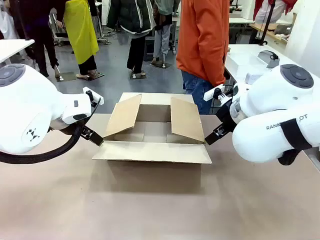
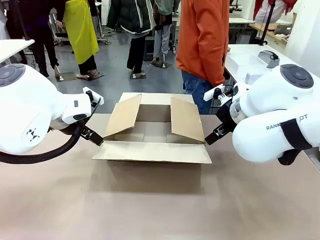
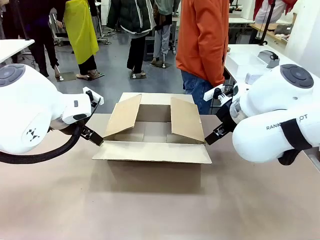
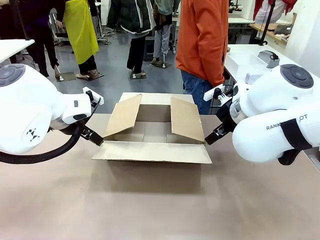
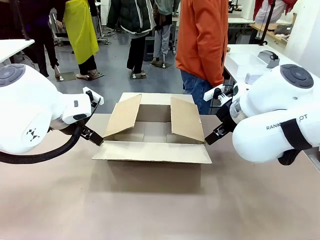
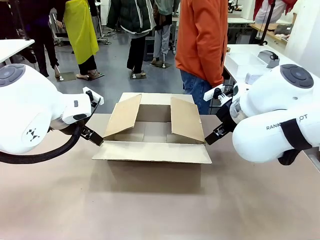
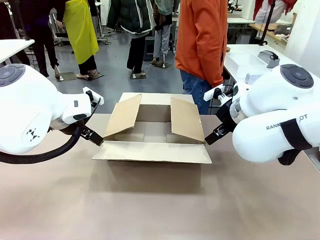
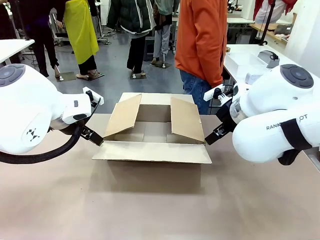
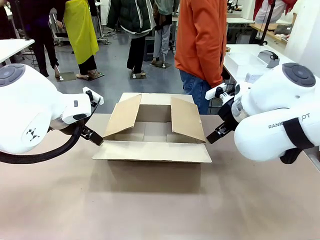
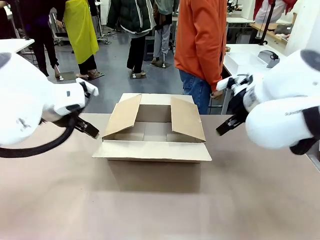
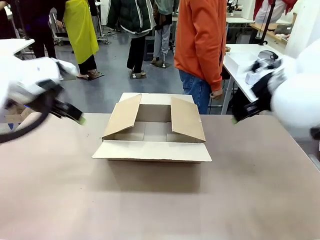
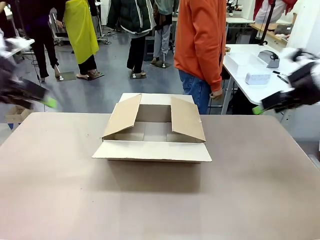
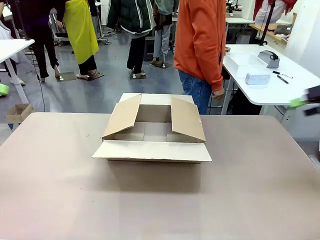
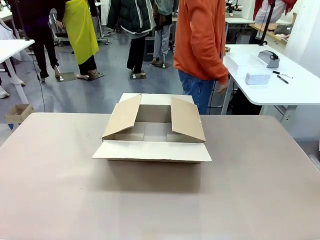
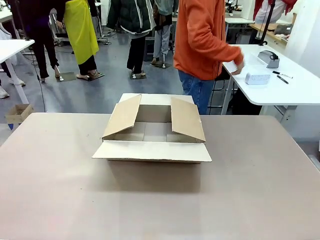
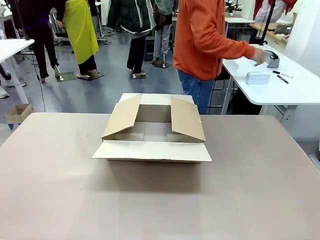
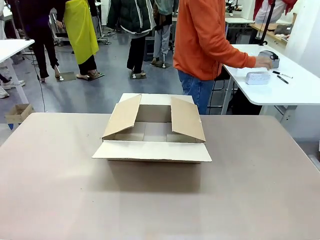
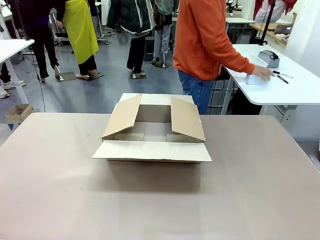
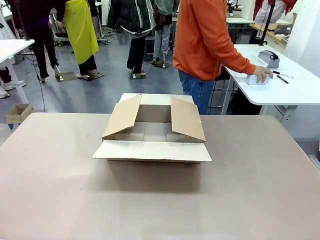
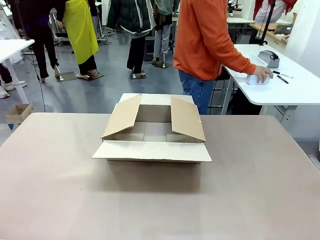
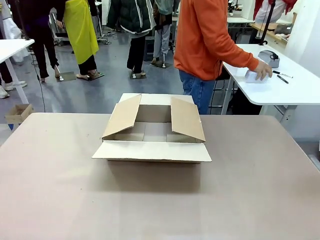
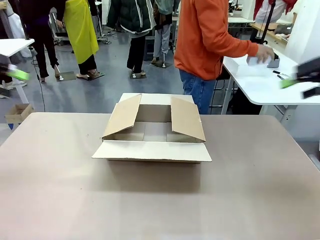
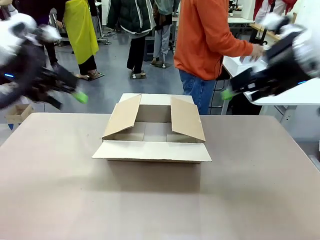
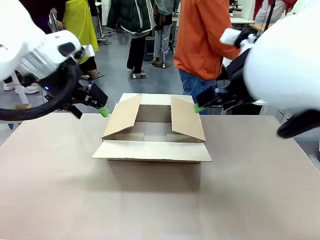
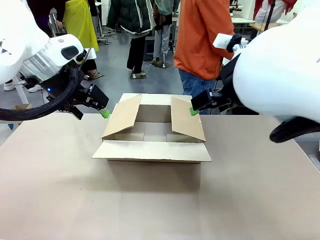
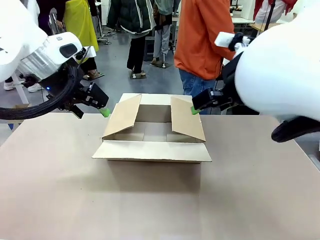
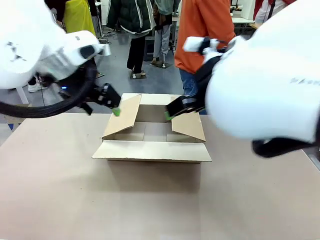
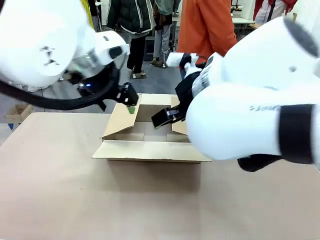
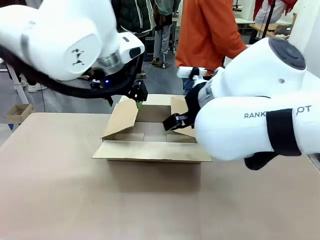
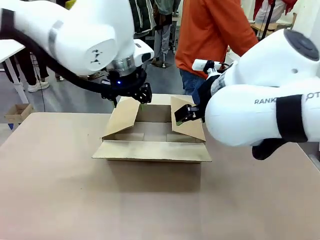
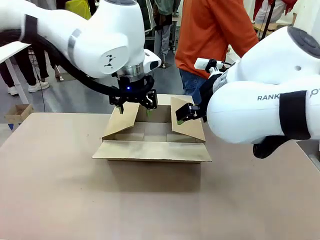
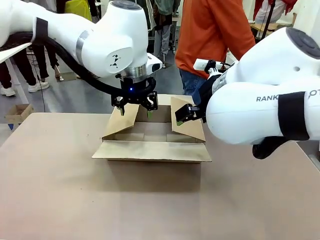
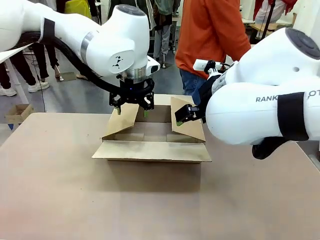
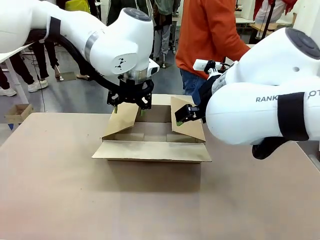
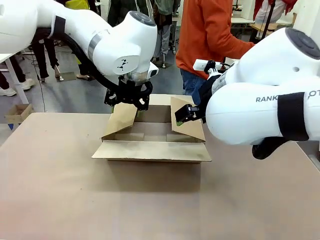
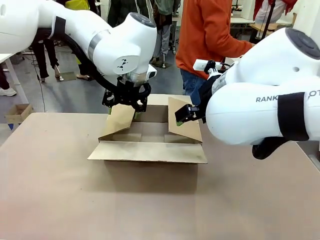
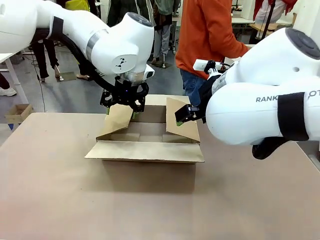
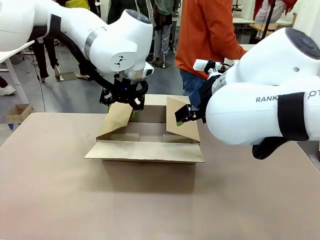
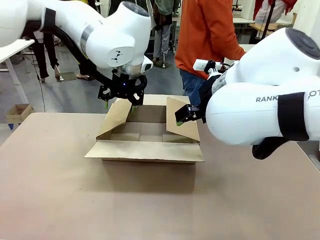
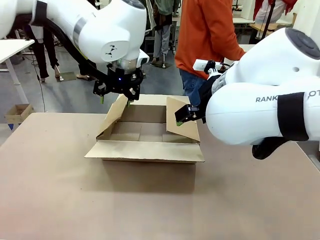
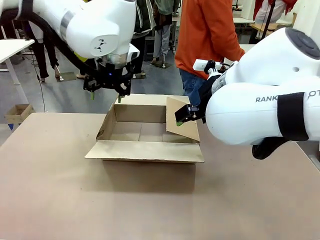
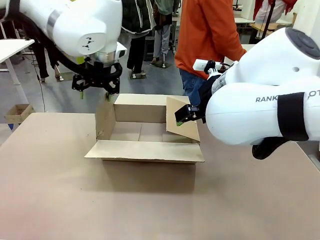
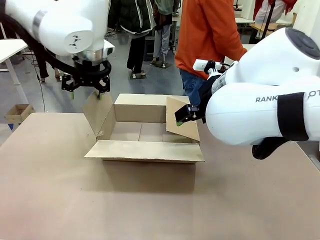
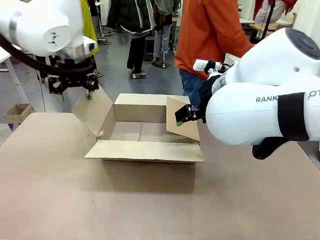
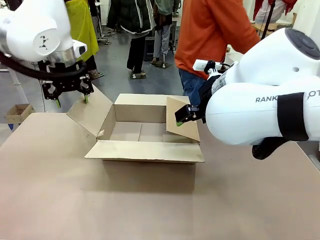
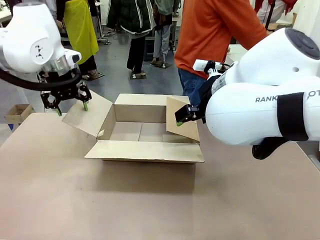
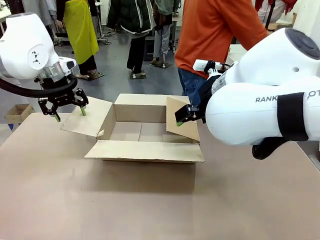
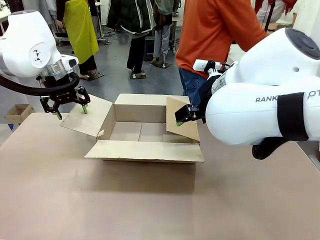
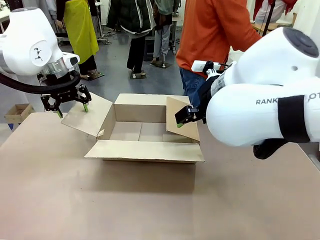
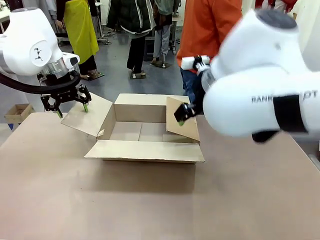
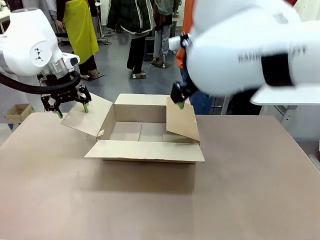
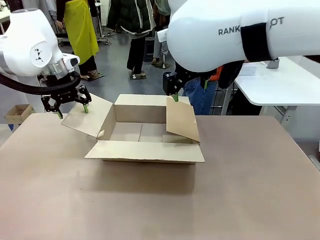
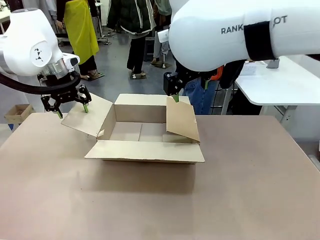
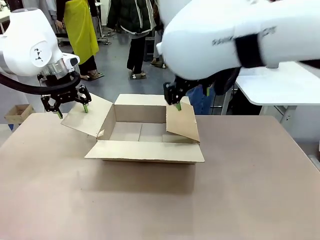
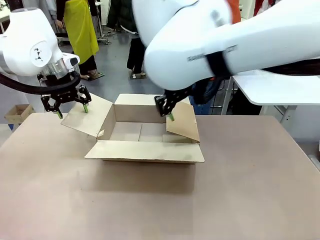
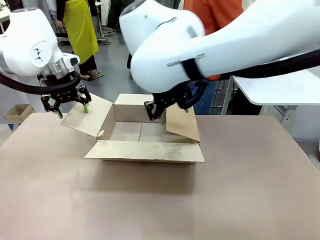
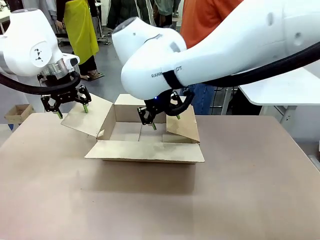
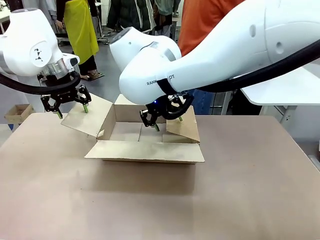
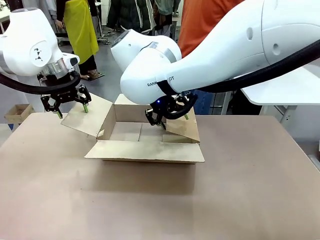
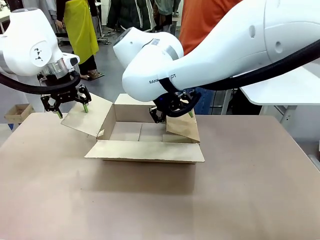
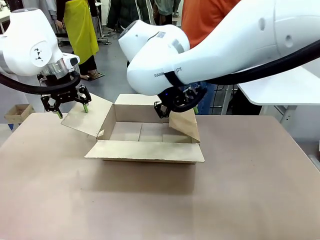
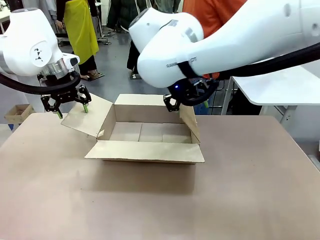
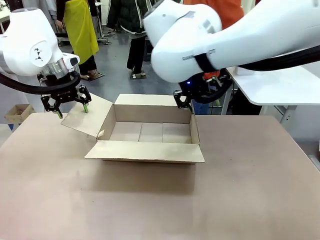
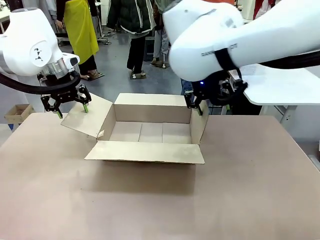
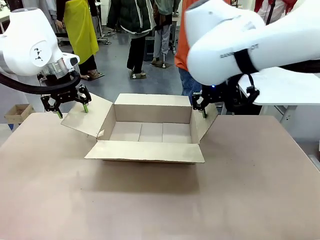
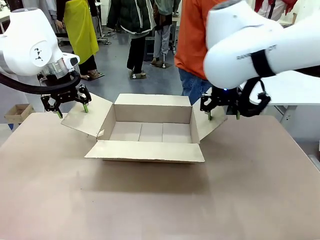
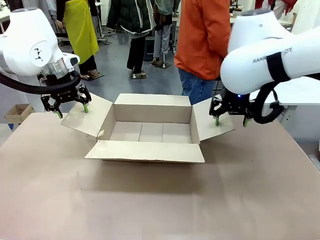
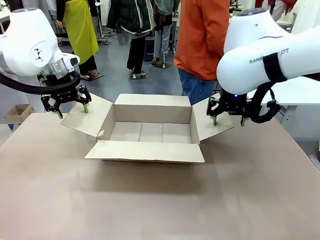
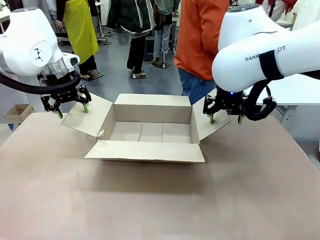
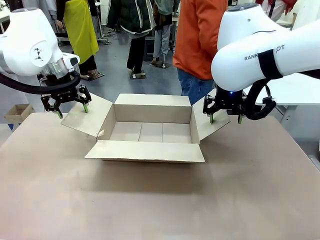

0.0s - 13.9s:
Task: Pack the gift set into the box.
Robot: Place both hands on the side flaps of the Package Box and spread them outward.
Person: The human places all items except the paper tape into the organizing basket.

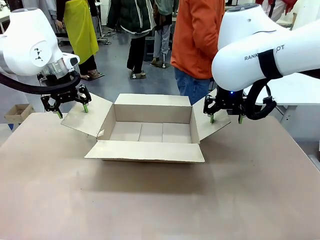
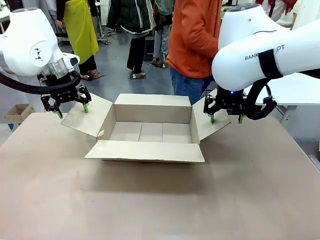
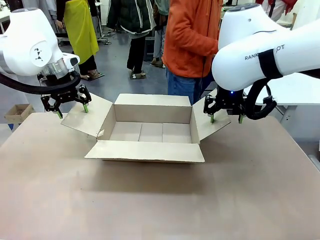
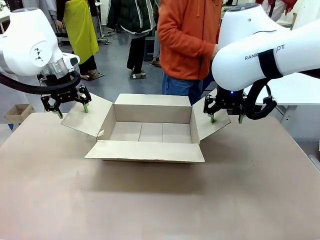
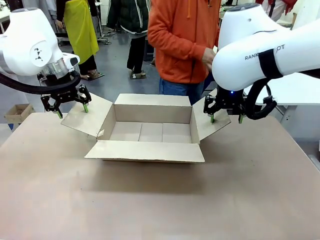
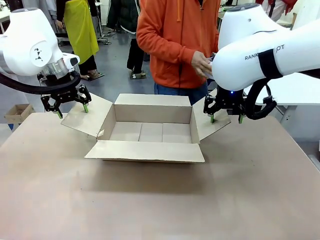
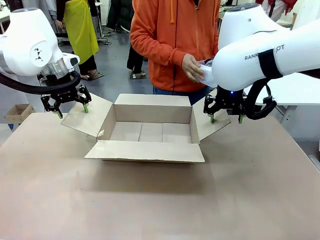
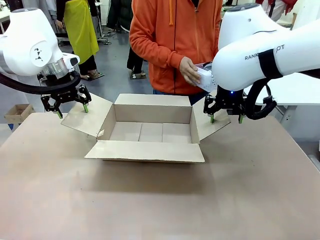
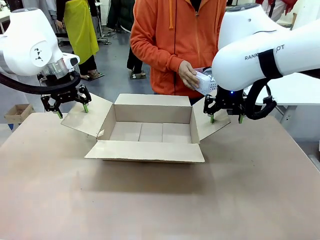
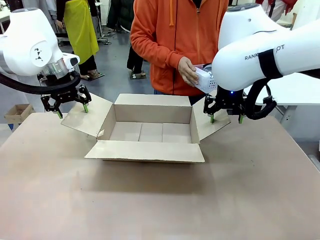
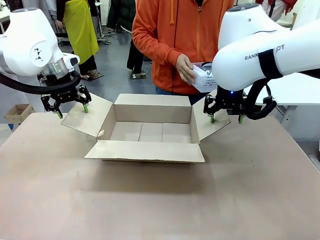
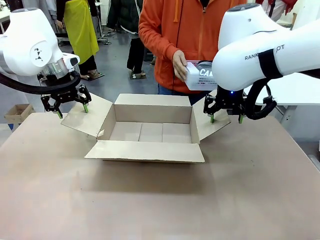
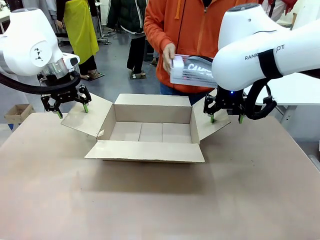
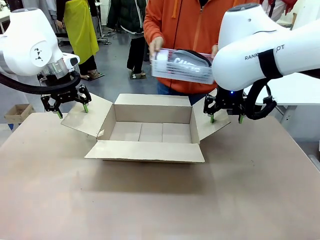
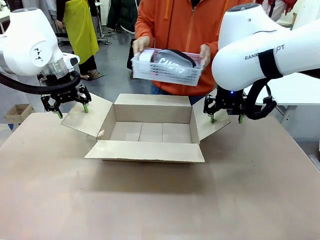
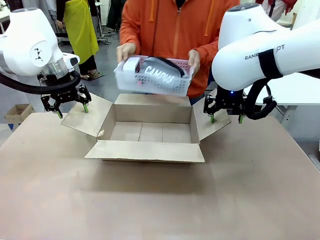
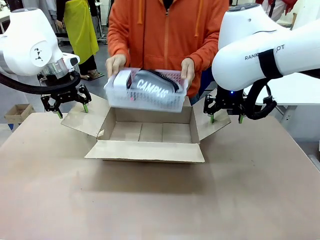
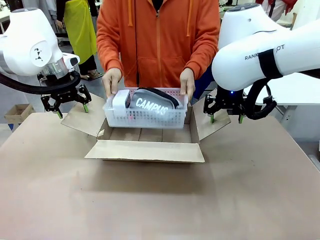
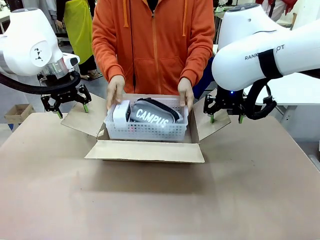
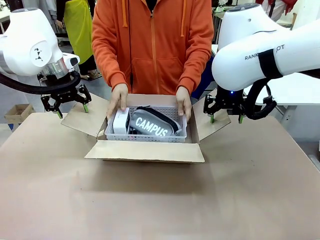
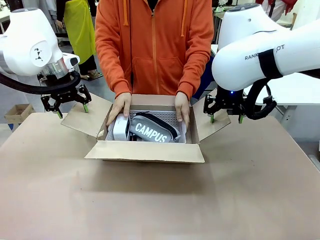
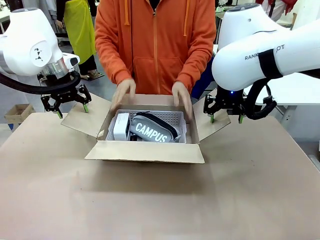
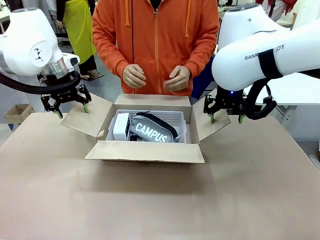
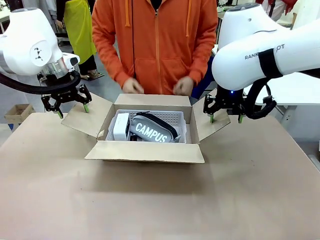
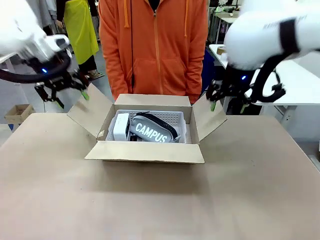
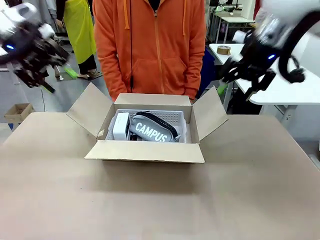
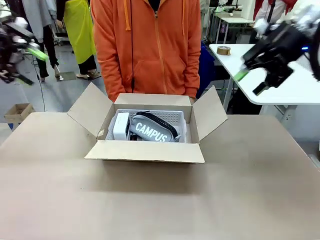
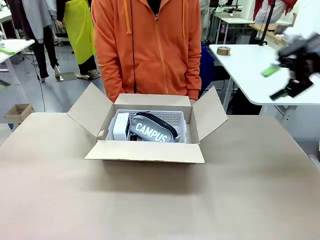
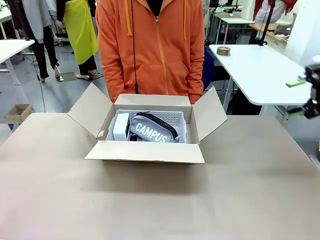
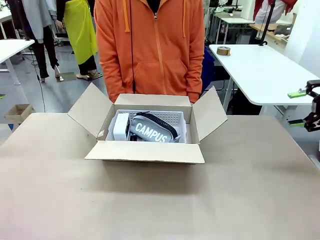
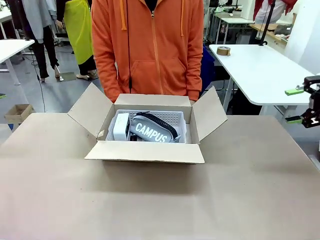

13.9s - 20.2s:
Robot: Lift both hands away from the flaps of the Package Box.
Person: The human picks up the organizing basket and places the organizing basket into the package box on the robot table.
